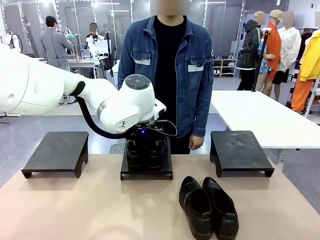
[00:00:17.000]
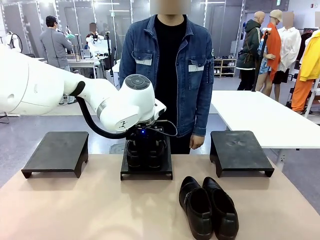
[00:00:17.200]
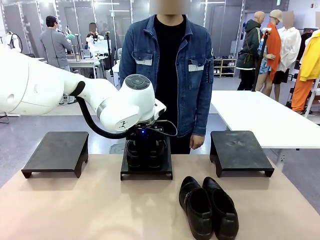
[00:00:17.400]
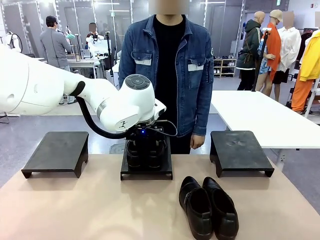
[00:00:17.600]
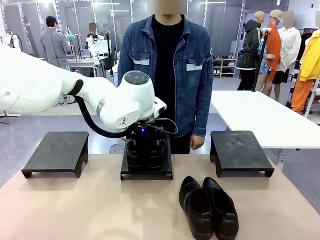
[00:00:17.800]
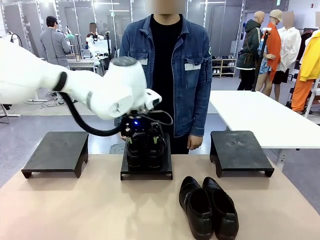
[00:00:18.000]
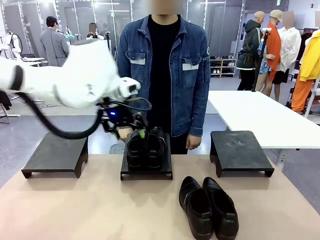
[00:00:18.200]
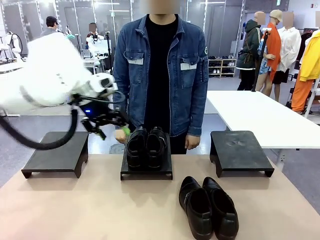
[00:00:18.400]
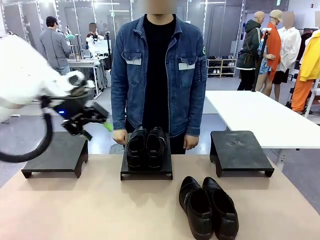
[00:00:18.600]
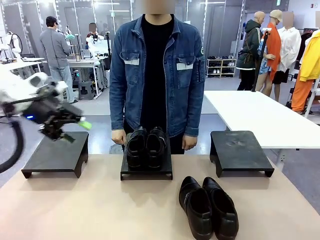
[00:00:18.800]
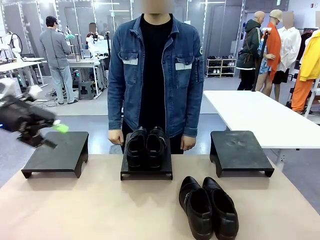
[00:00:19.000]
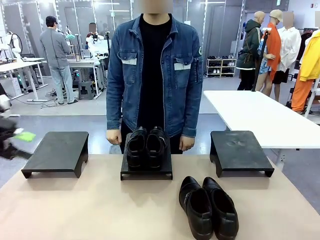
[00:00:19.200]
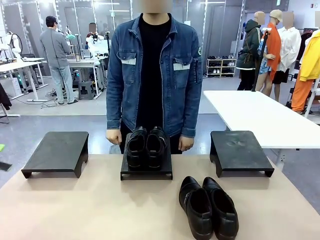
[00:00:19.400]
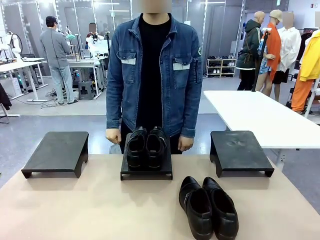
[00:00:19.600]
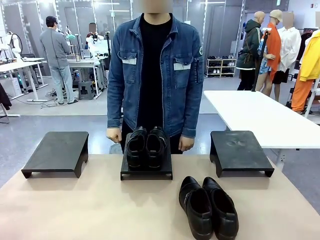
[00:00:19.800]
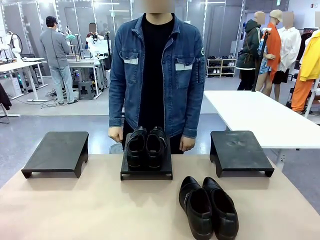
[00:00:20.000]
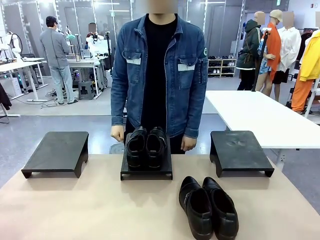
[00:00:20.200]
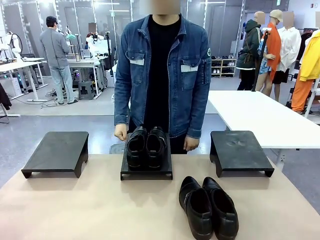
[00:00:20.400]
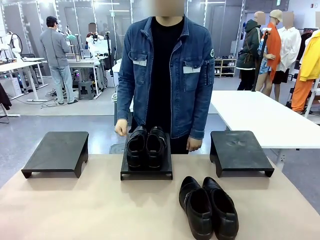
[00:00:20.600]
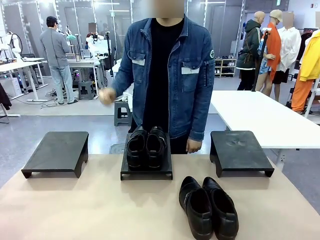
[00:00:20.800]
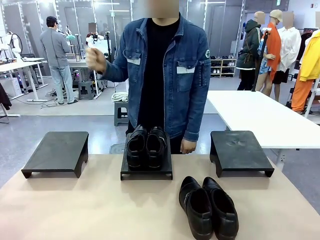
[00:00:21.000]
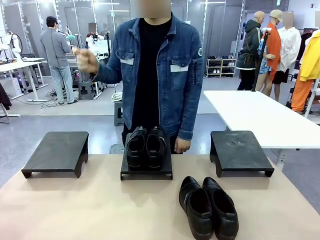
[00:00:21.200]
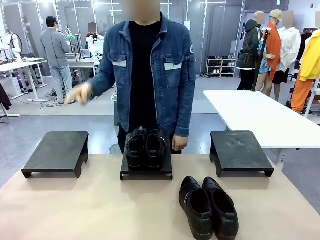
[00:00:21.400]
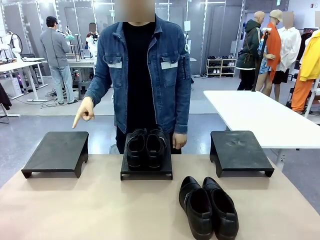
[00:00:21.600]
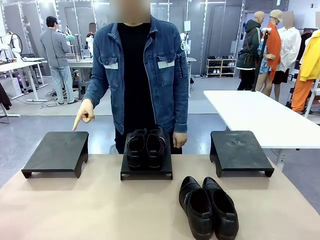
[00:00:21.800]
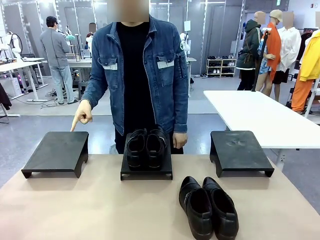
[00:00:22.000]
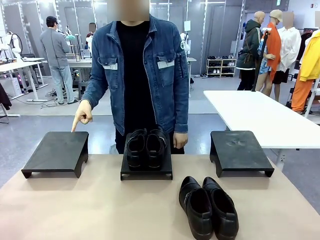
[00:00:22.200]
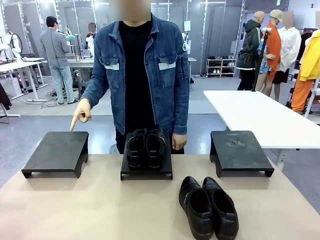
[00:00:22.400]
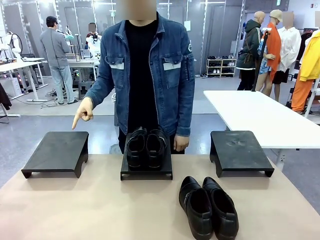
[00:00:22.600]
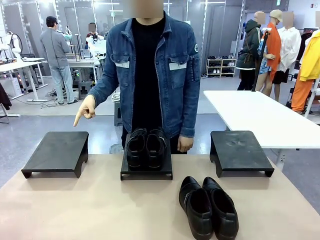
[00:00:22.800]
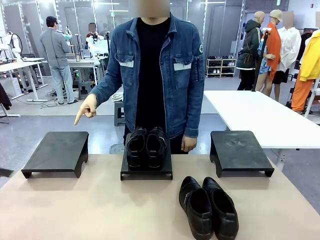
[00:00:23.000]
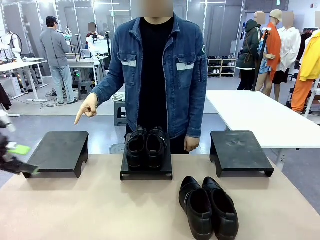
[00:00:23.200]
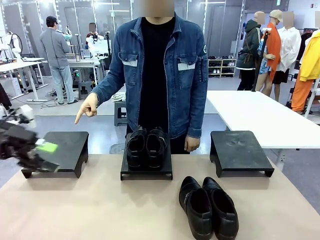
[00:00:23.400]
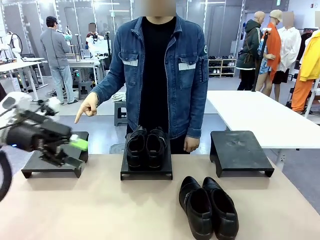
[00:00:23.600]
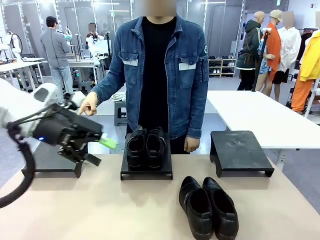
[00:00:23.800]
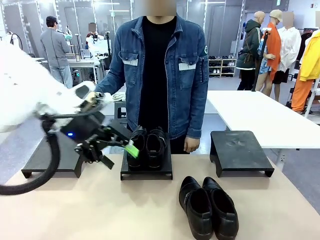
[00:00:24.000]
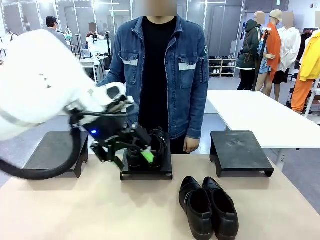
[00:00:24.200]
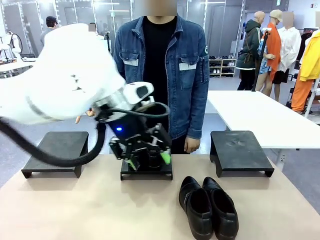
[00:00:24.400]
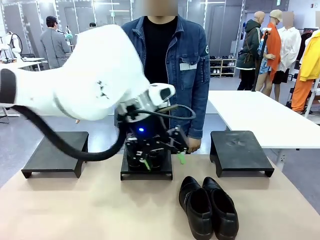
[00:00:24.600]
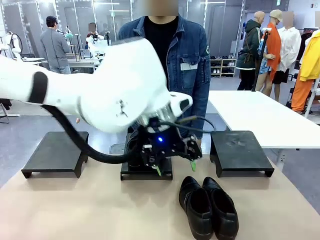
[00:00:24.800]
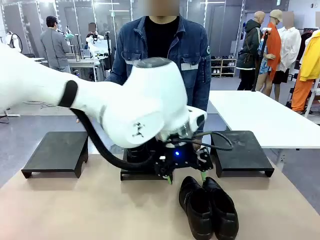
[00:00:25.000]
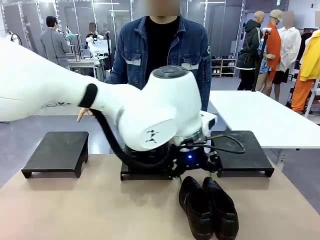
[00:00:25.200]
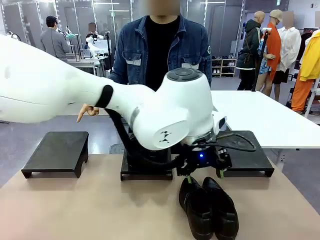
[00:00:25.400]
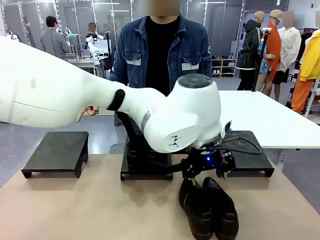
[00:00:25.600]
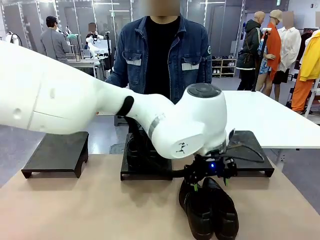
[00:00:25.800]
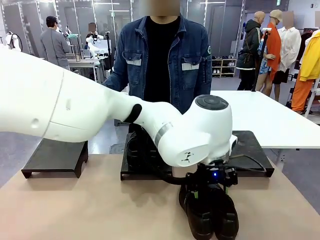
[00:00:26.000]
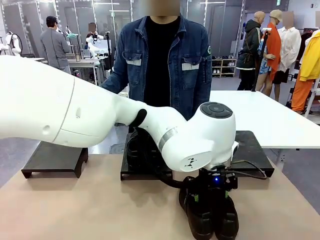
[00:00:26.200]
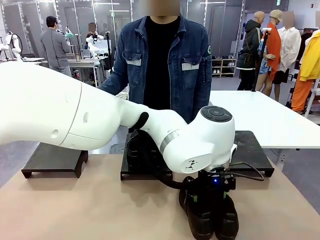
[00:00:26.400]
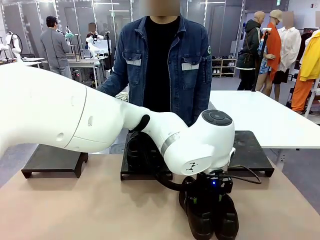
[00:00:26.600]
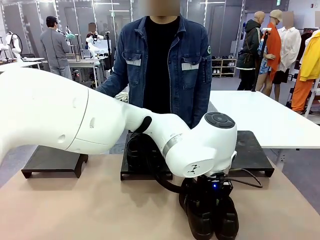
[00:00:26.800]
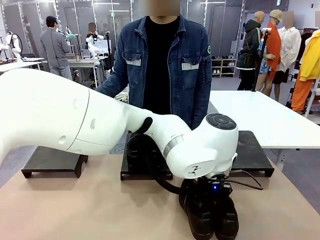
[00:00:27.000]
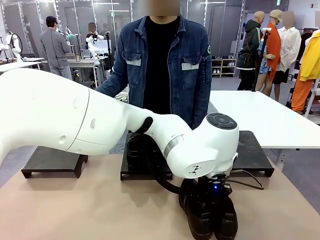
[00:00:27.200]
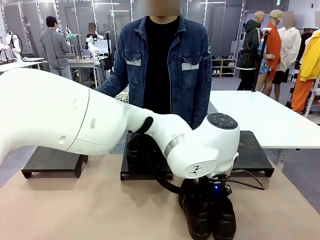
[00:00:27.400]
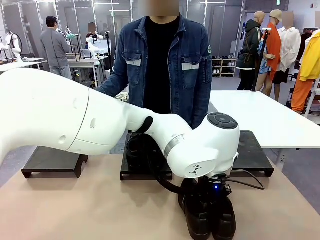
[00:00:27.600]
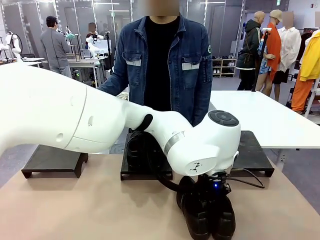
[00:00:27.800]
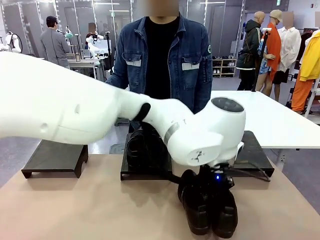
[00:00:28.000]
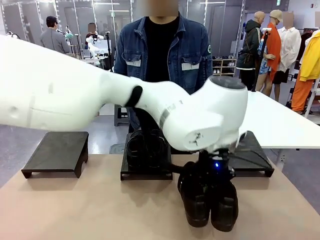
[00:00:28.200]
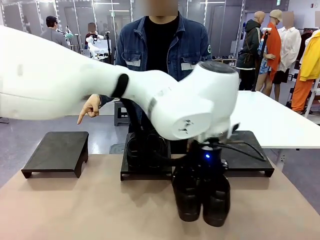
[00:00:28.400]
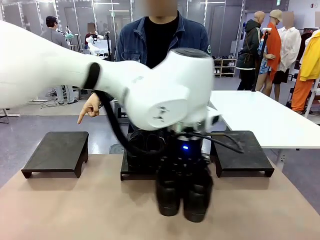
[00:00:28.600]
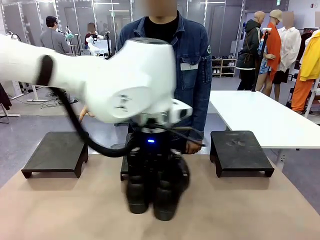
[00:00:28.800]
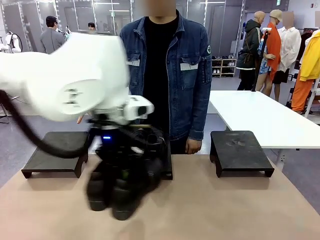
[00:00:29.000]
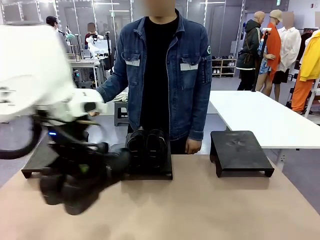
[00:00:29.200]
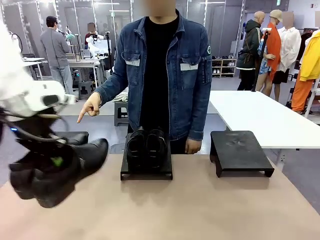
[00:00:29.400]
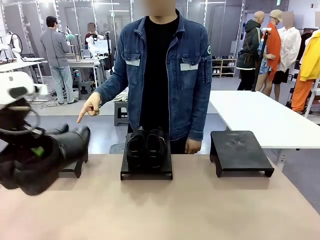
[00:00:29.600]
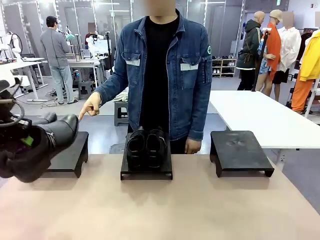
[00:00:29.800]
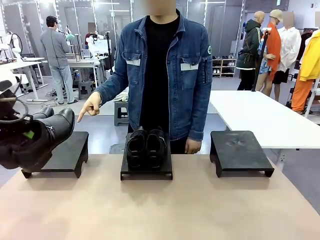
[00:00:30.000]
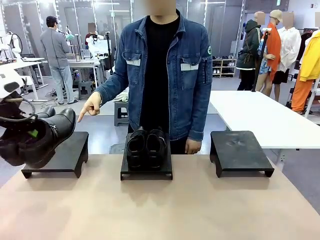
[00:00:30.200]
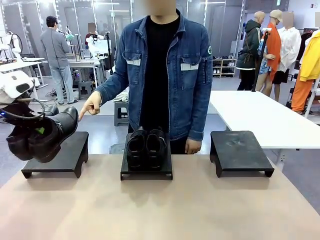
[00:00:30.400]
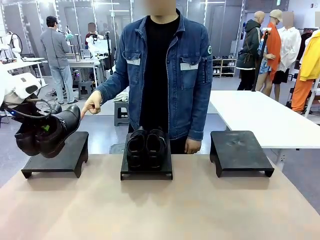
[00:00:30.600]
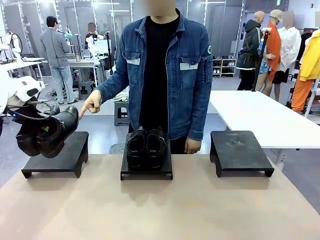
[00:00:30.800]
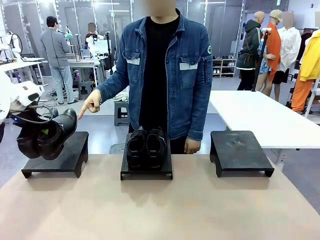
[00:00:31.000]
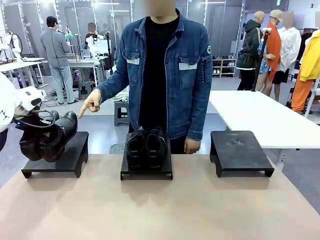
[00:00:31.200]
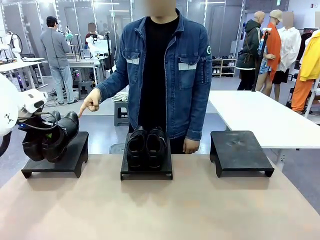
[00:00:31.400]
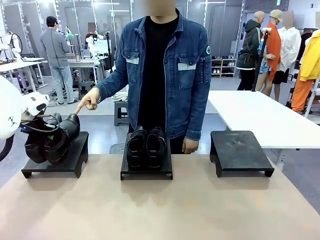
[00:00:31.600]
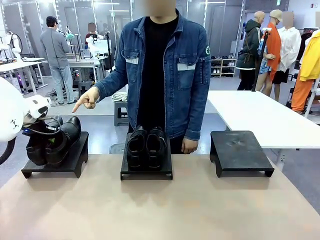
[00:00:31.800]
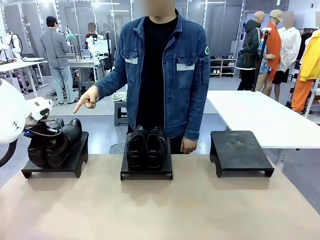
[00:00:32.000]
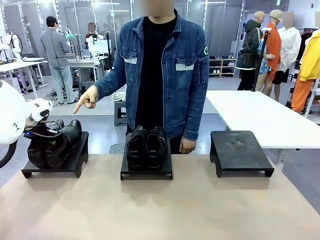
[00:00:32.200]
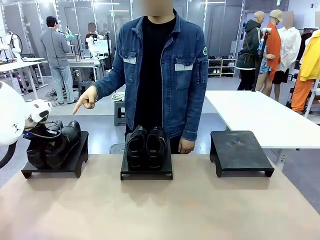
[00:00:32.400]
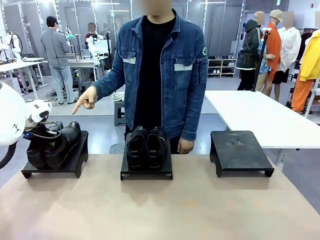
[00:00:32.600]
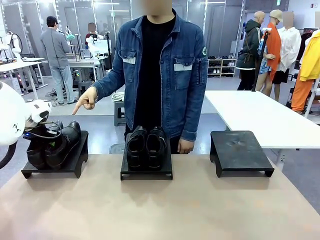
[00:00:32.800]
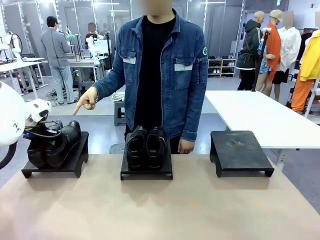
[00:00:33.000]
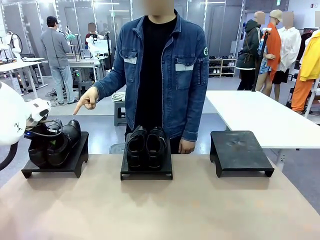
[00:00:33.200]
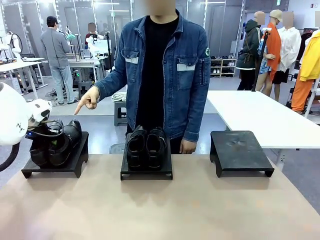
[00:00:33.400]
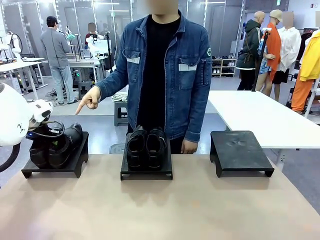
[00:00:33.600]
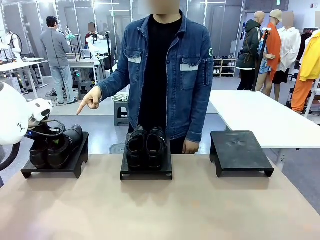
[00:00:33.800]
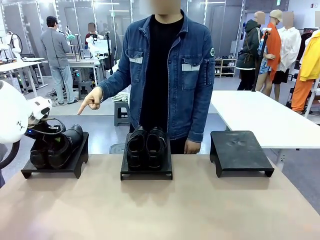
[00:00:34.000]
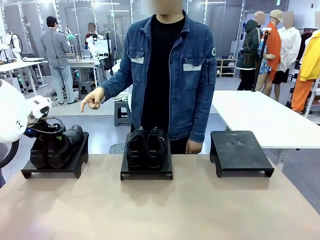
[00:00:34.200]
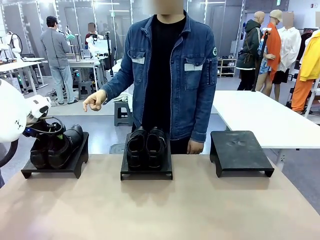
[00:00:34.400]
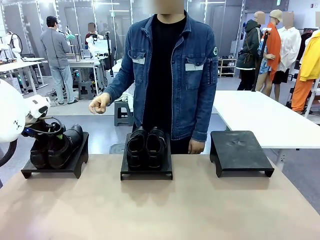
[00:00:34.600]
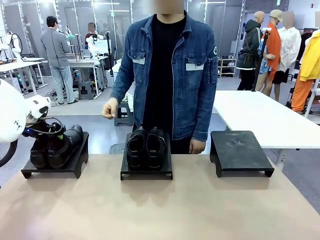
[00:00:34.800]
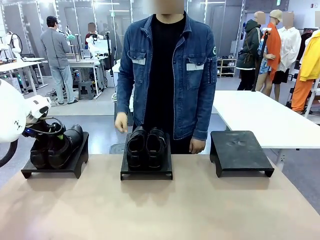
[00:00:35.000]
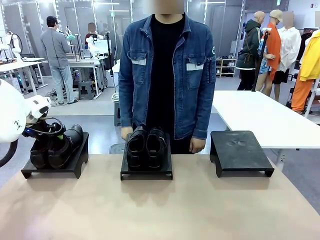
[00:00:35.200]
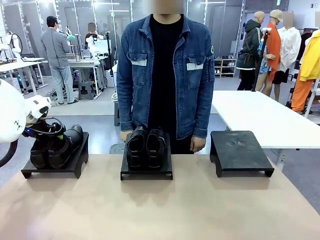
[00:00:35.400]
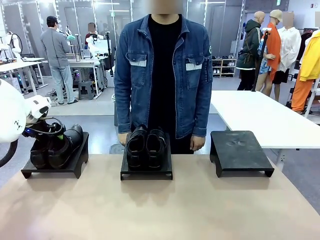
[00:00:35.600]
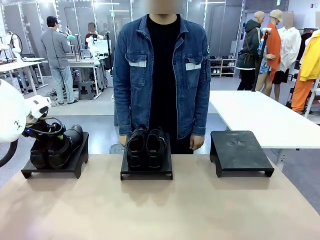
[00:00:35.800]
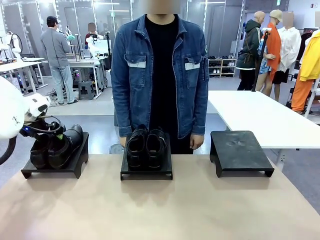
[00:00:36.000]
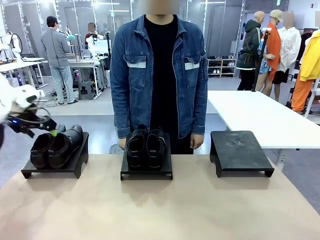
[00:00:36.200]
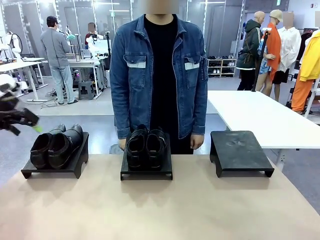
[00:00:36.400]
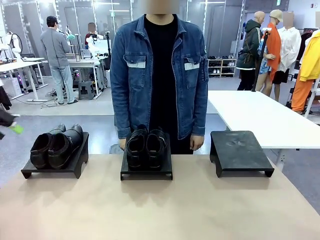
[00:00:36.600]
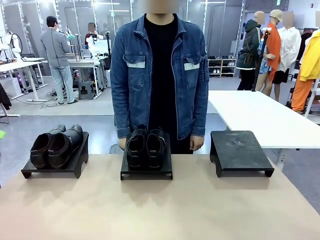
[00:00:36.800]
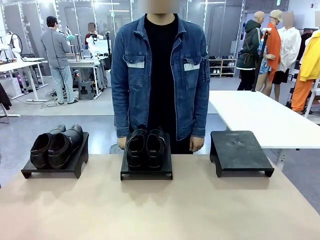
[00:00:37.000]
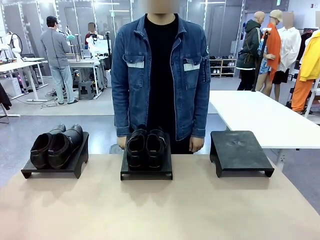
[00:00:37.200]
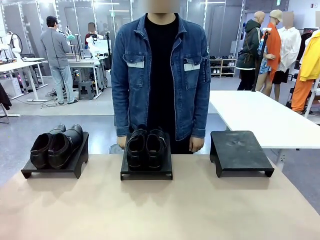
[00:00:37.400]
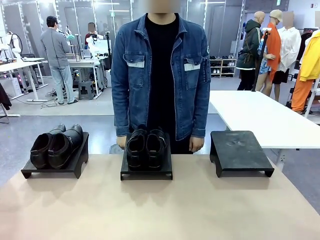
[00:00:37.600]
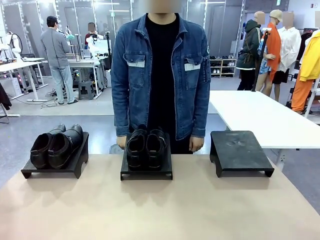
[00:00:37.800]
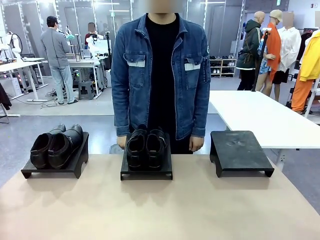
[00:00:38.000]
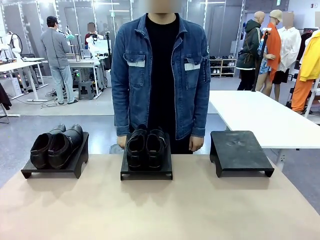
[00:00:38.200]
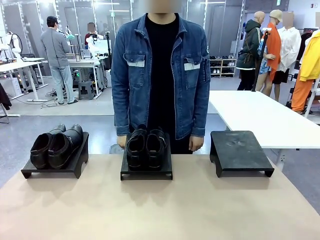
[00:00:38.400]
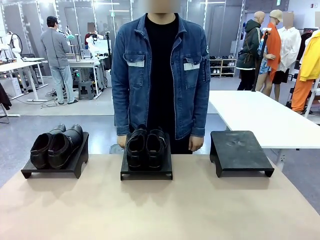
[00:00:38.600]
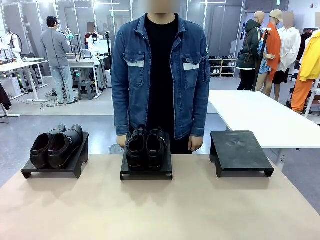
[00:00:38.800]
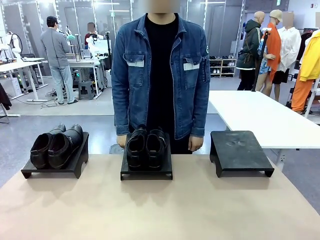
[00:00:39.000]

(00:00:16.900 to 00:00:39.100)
Task: Place the shoes on the stand as instructed by the person.
Robot: Pick up another pair of Shoes and place it on the Shoes Stand indicated by the person.
Person: Point to one Shoes Stand.
